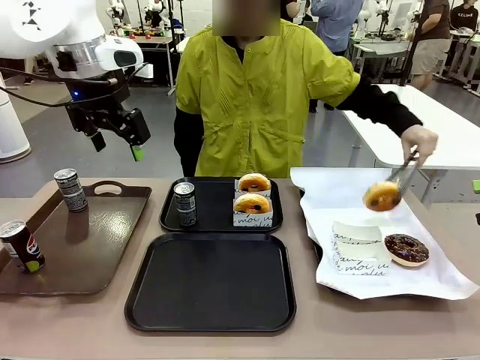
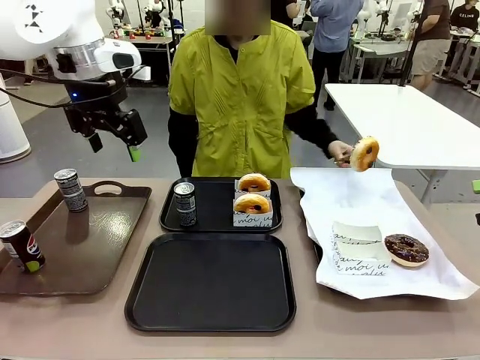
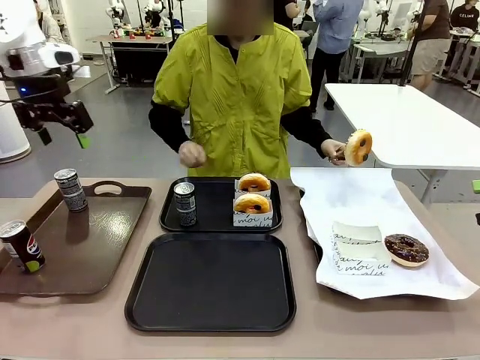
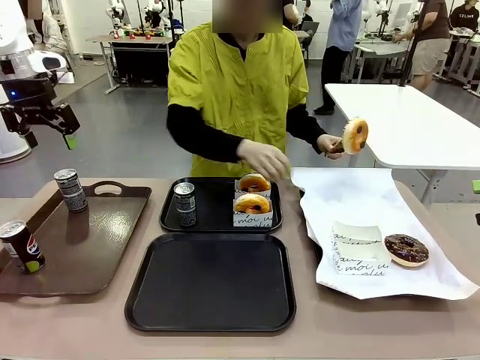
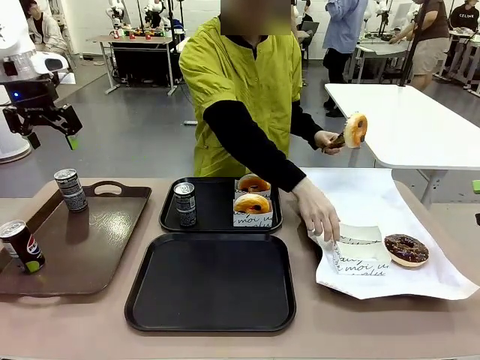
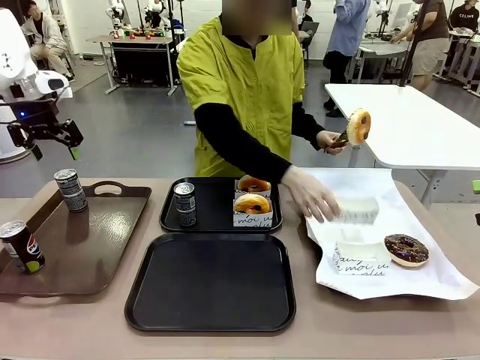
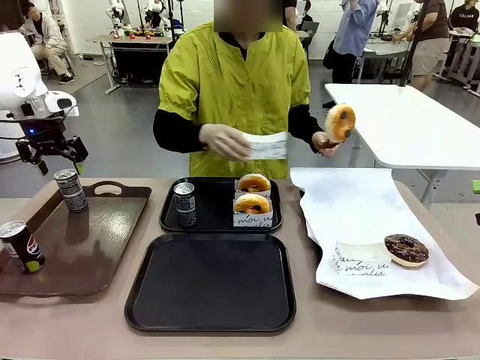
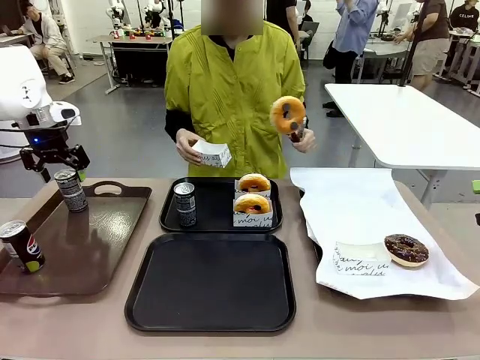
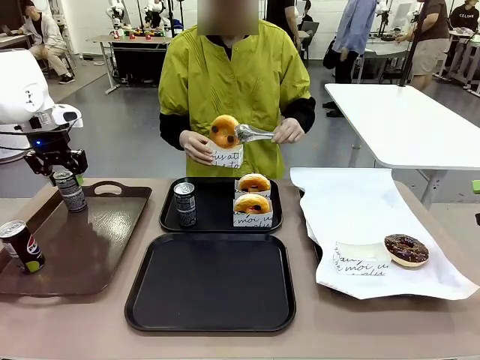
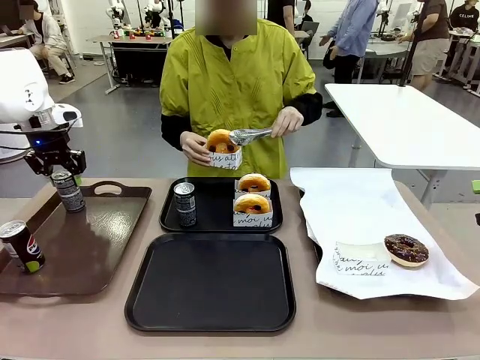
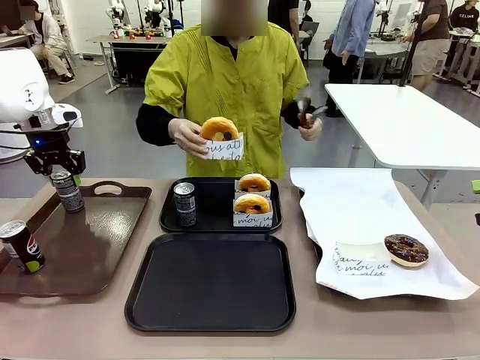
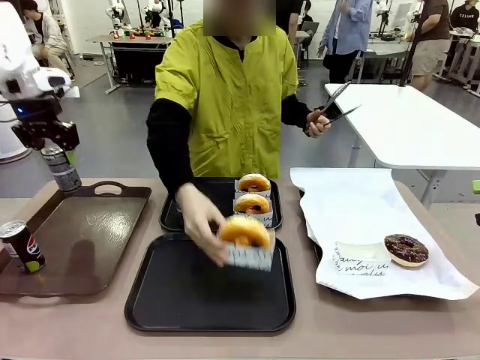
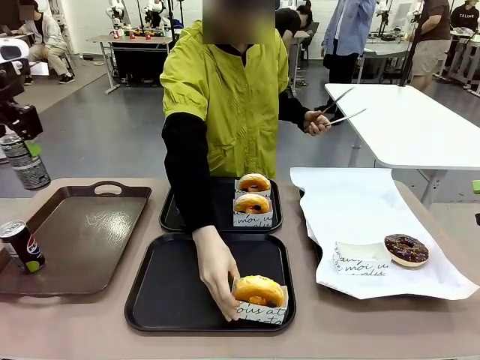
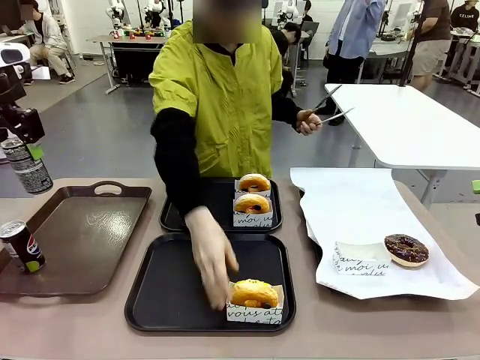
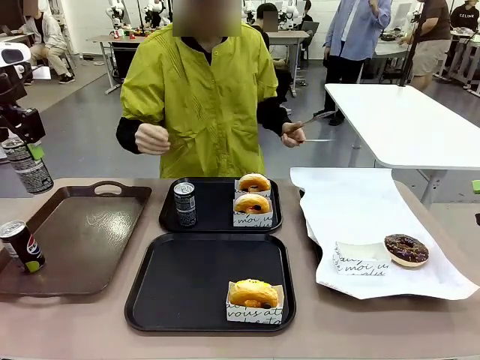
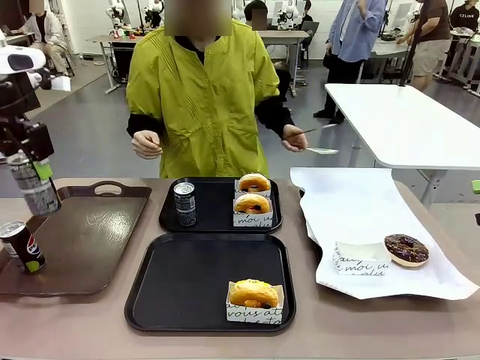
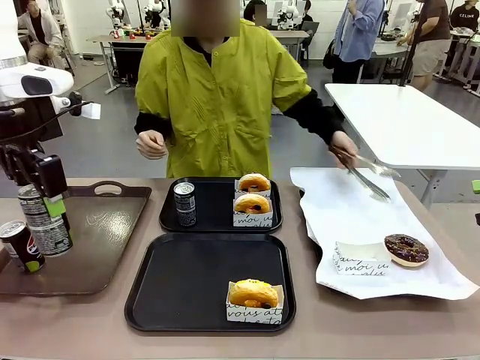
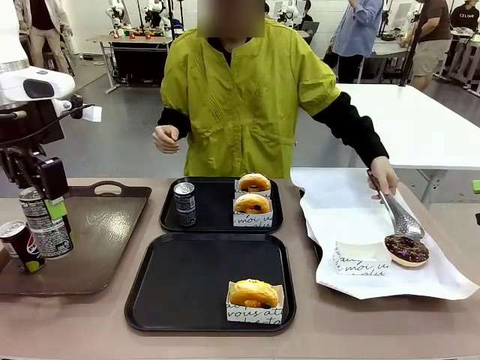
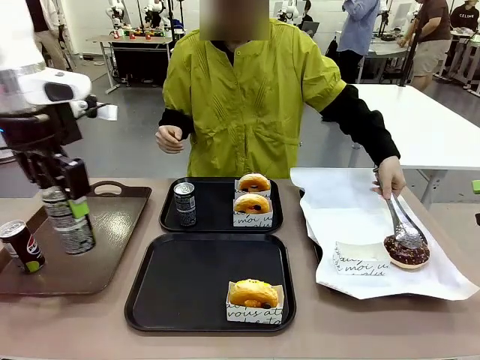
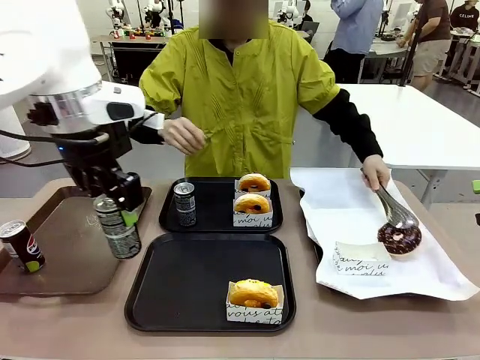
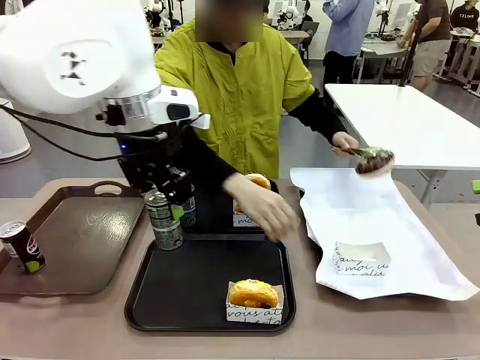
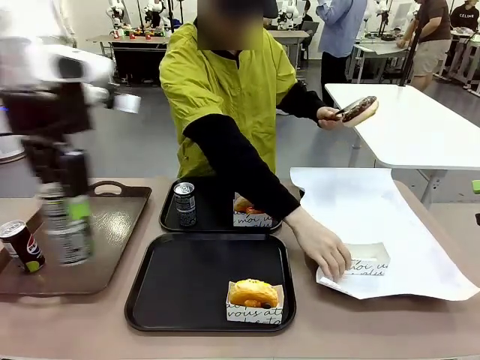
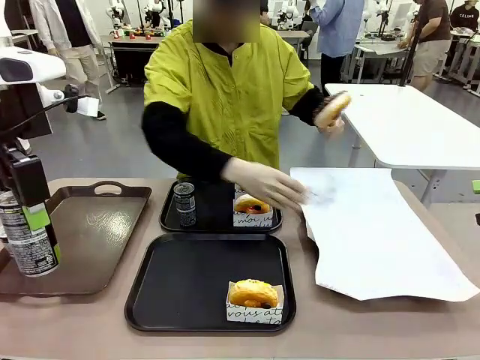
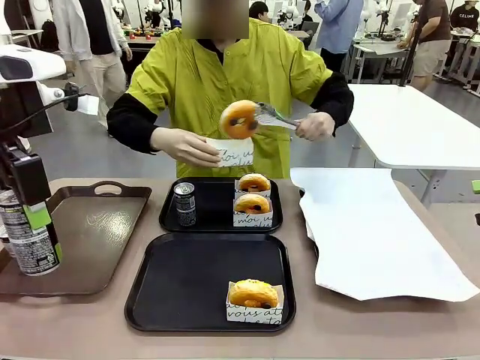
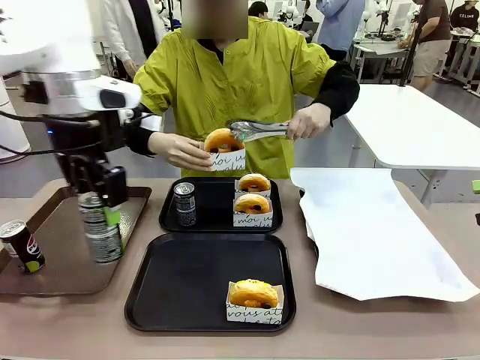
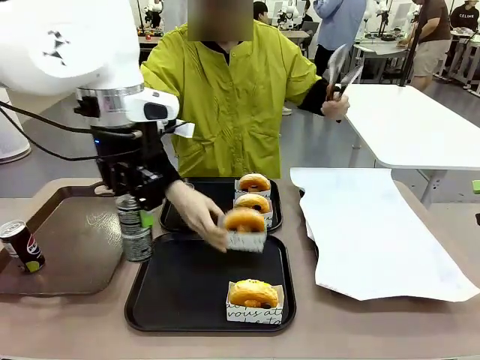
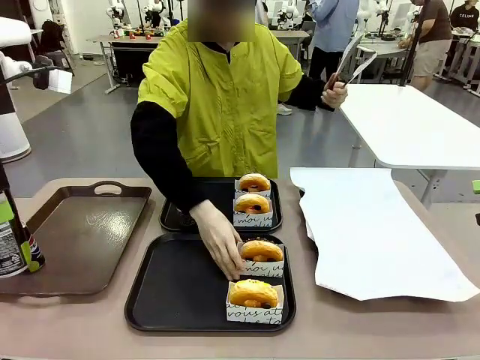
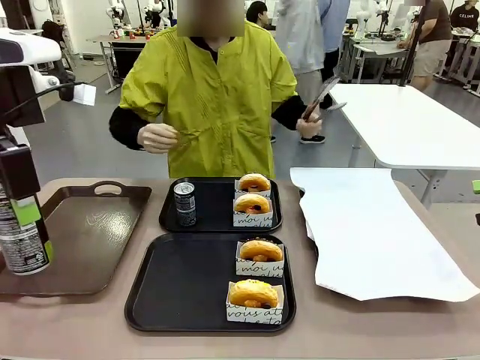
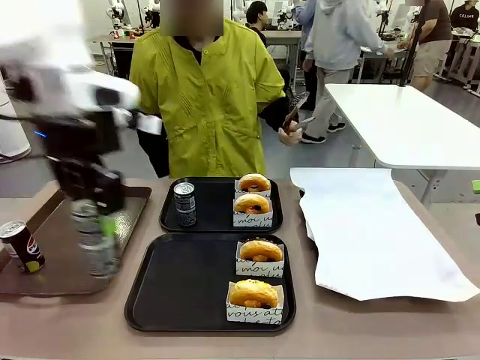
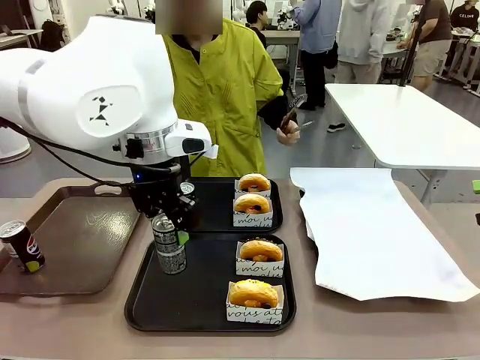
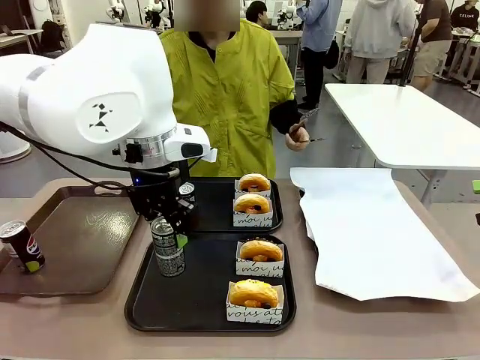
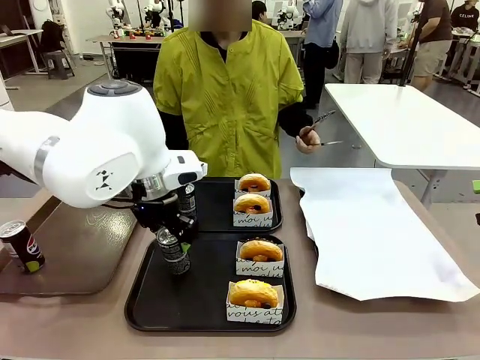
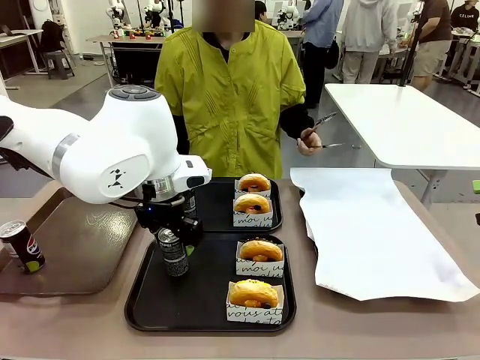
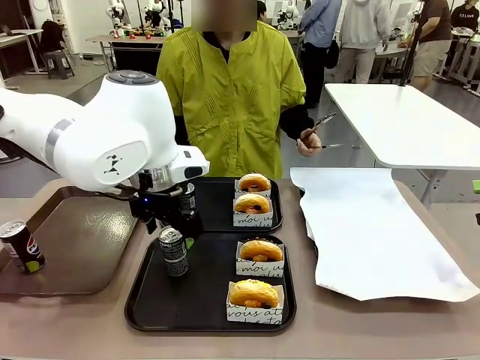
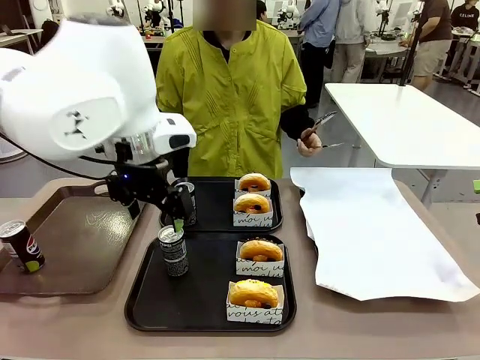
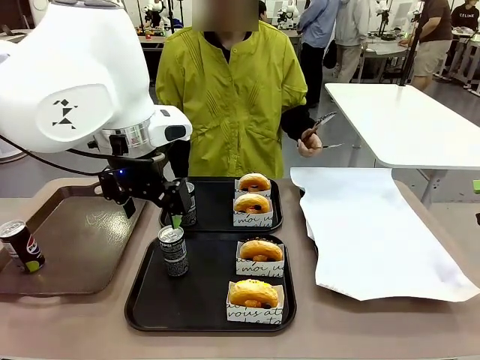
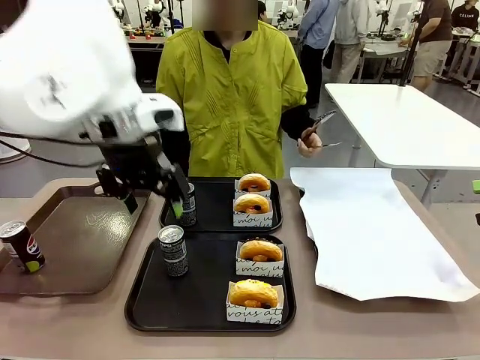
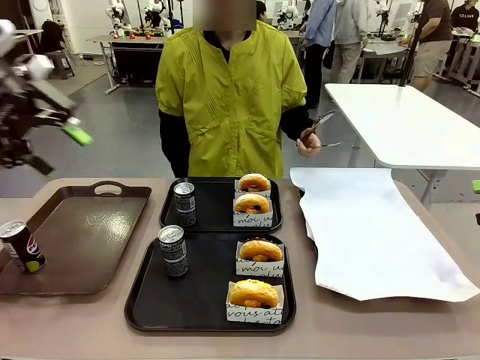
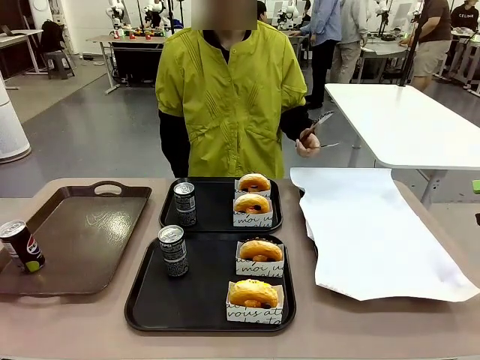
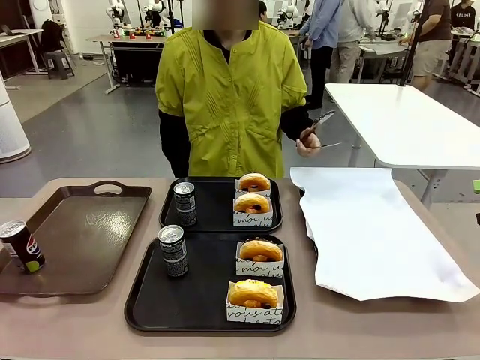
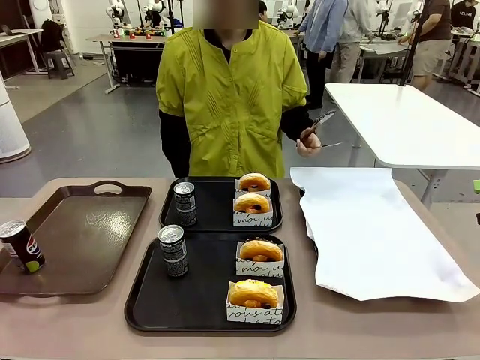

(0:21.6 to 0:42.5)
Task: Set up donuts and drinks on trays.
Robot: Pick up one Pepsi coke from the Handle tray and place it on the Flat Tray without a Pepsi coke.
